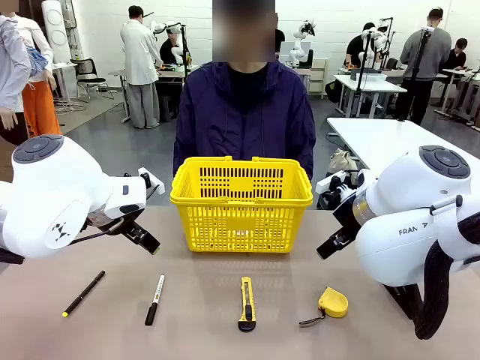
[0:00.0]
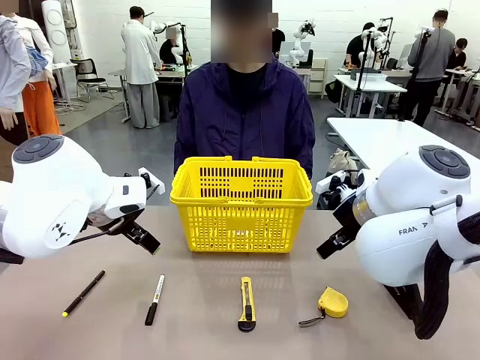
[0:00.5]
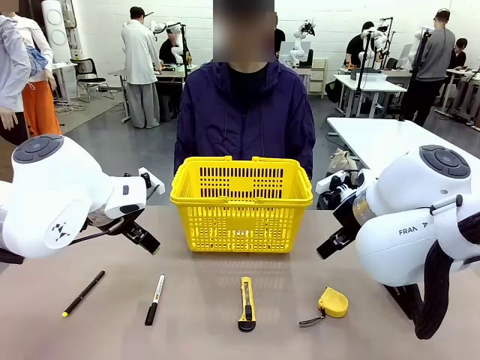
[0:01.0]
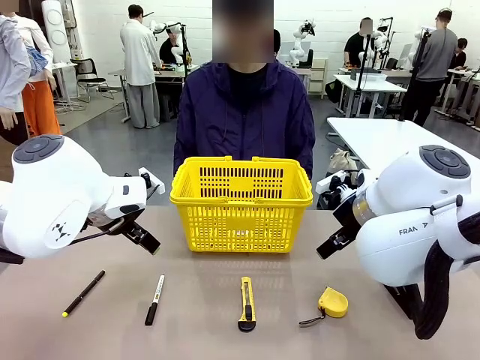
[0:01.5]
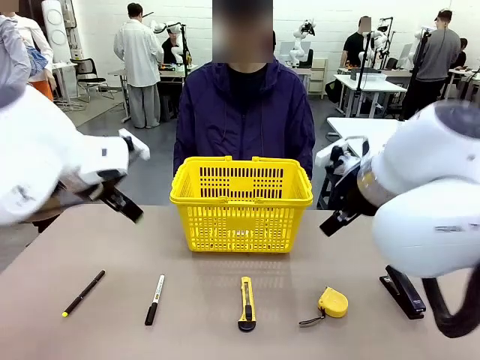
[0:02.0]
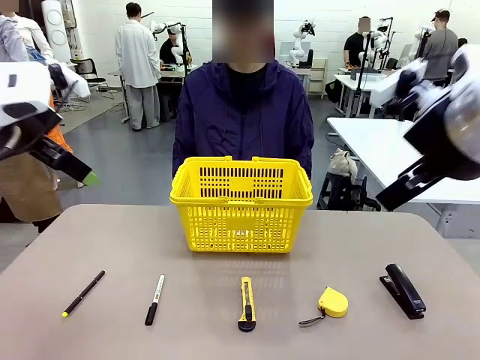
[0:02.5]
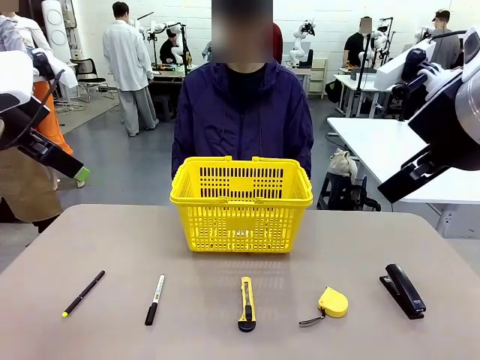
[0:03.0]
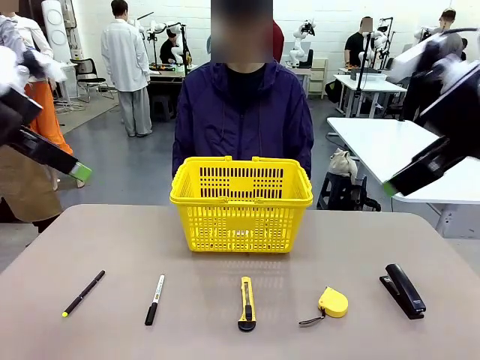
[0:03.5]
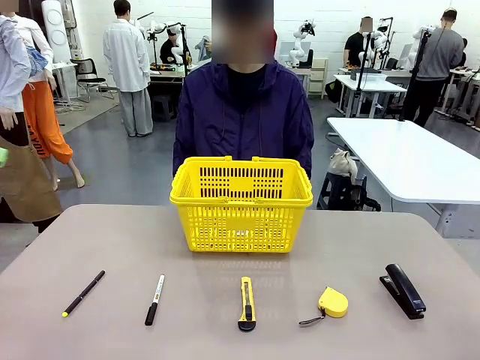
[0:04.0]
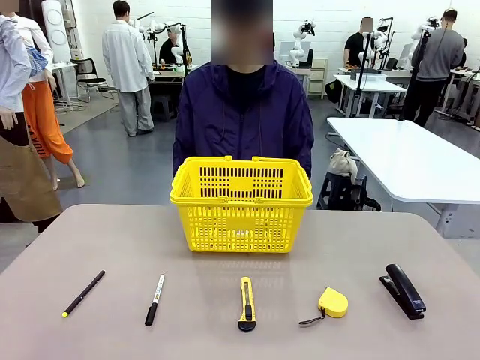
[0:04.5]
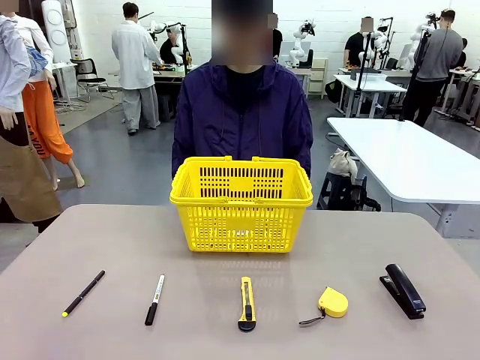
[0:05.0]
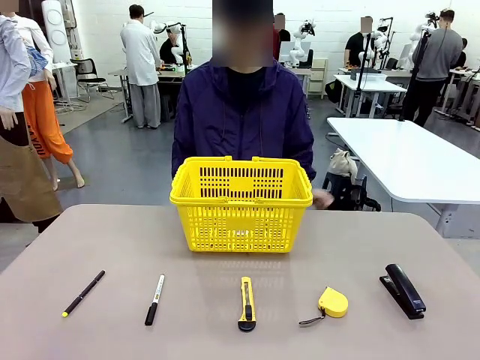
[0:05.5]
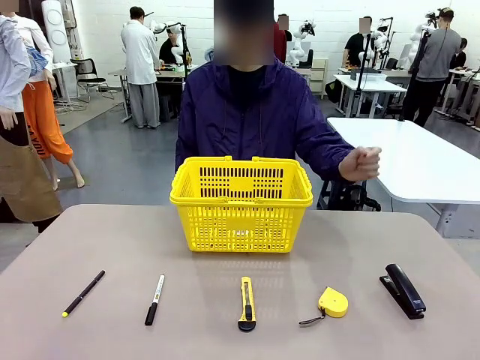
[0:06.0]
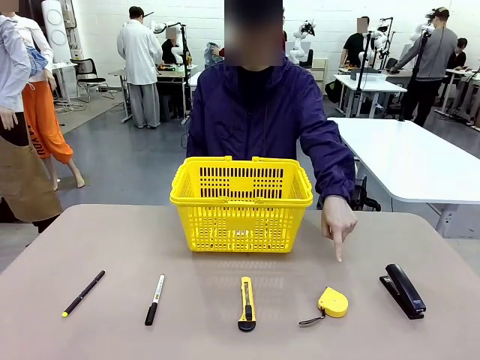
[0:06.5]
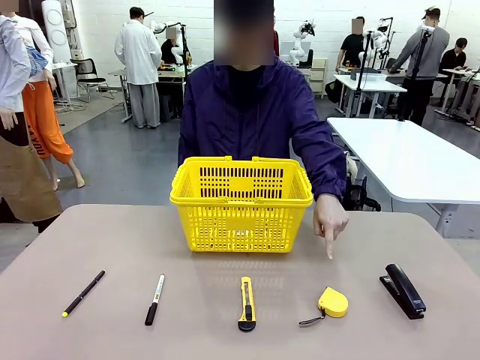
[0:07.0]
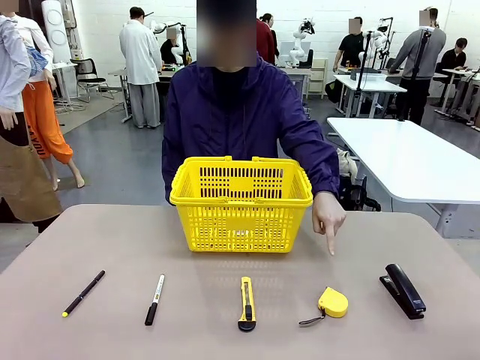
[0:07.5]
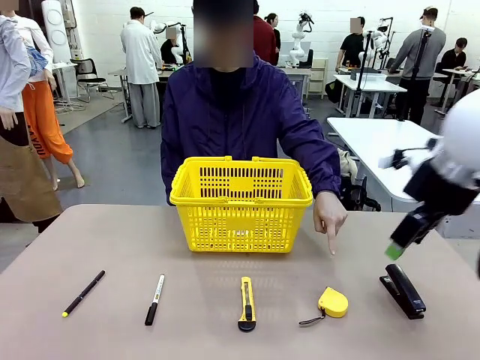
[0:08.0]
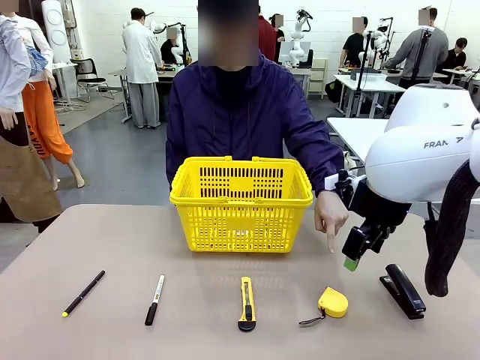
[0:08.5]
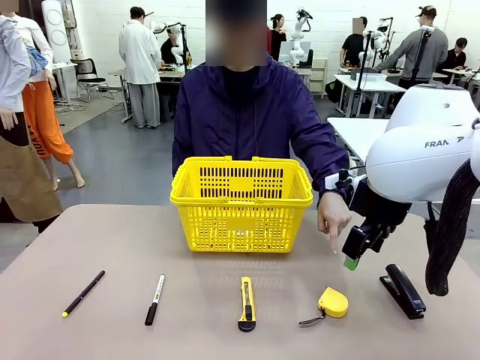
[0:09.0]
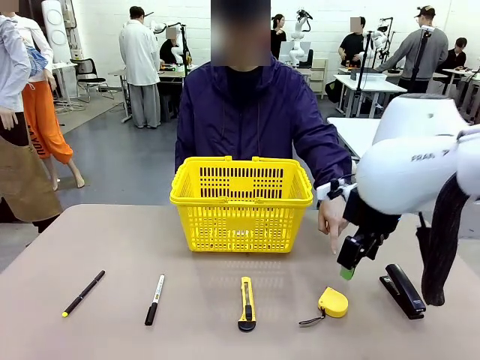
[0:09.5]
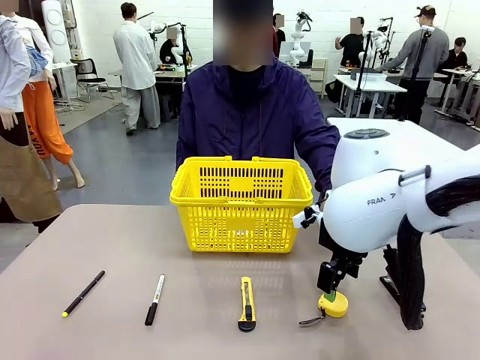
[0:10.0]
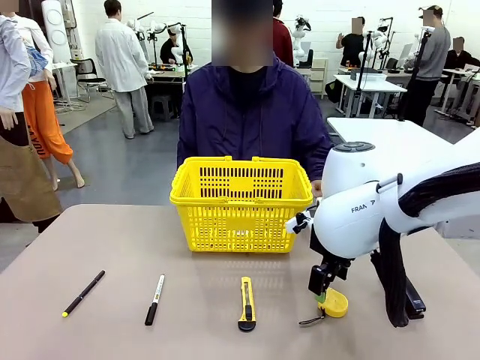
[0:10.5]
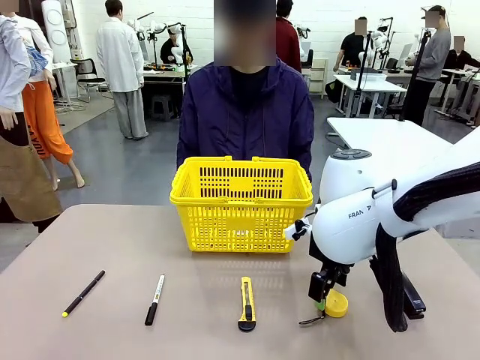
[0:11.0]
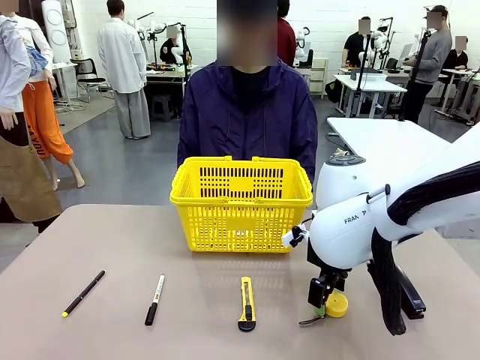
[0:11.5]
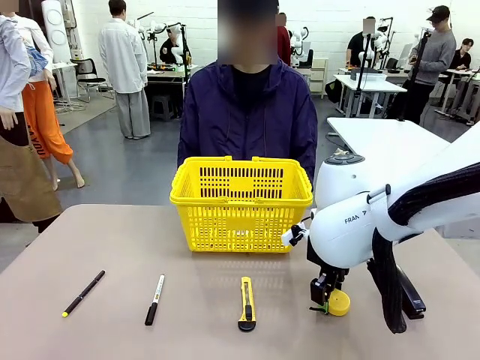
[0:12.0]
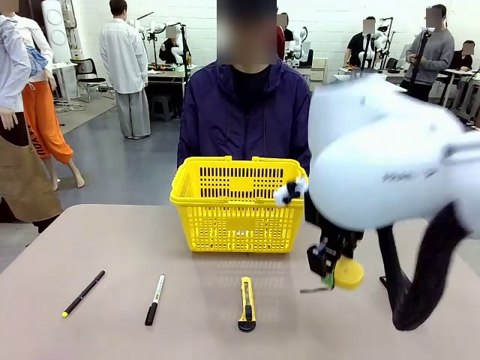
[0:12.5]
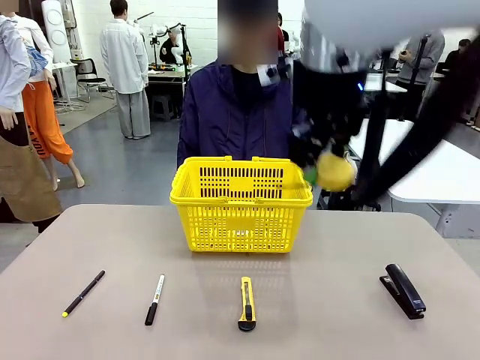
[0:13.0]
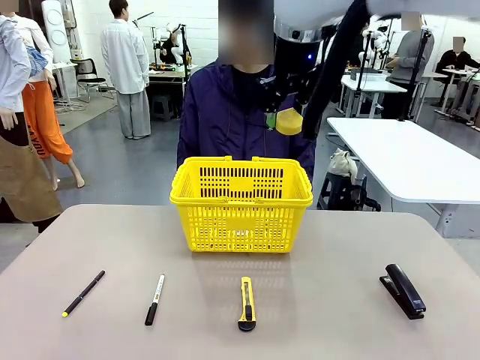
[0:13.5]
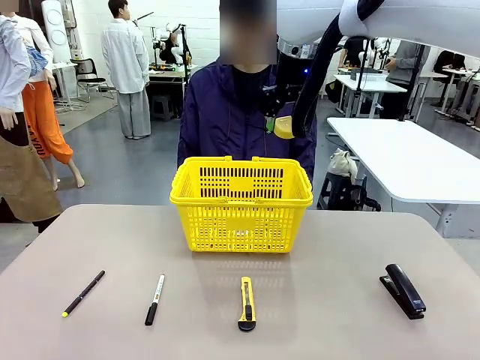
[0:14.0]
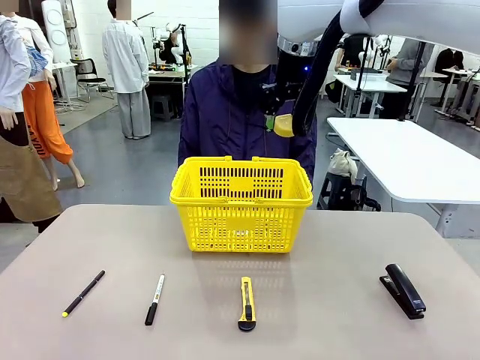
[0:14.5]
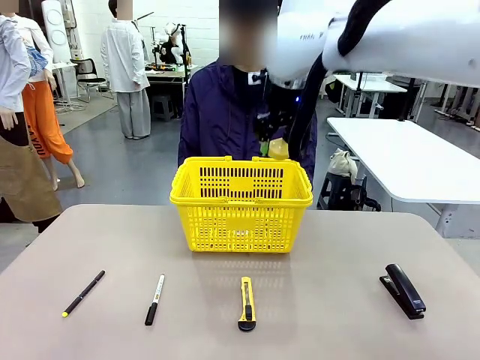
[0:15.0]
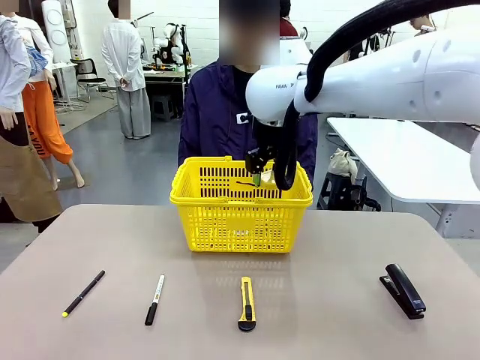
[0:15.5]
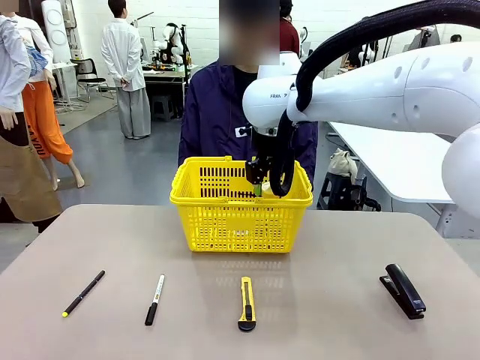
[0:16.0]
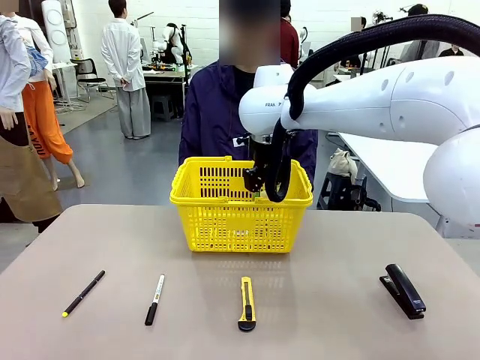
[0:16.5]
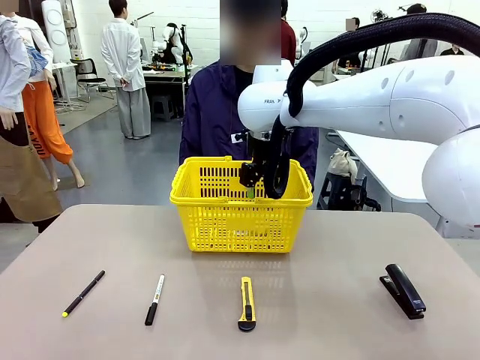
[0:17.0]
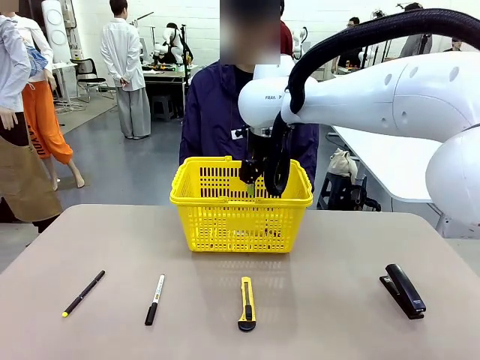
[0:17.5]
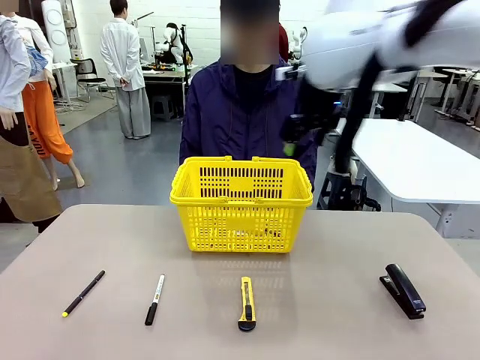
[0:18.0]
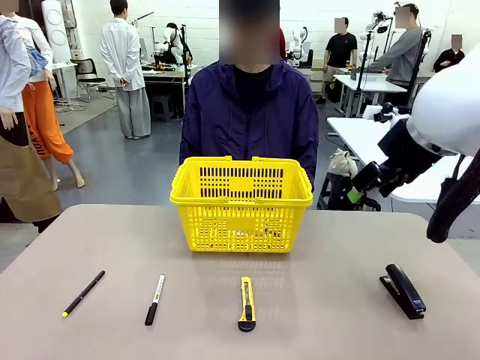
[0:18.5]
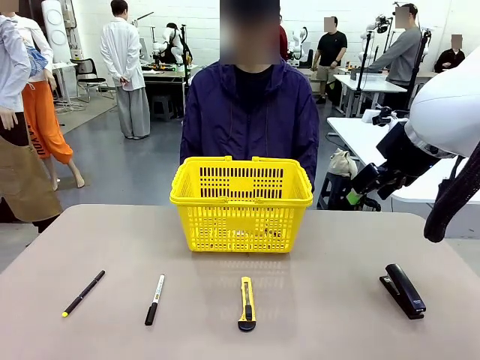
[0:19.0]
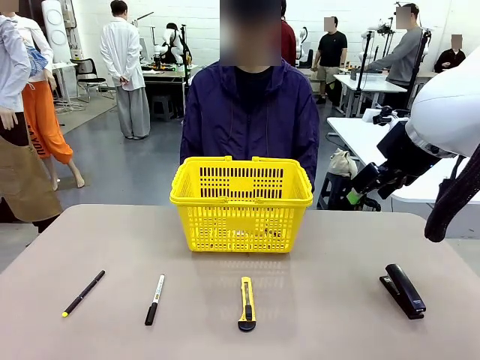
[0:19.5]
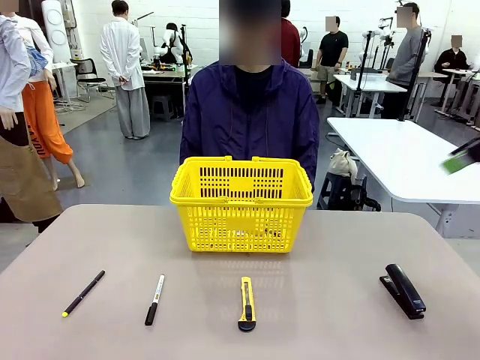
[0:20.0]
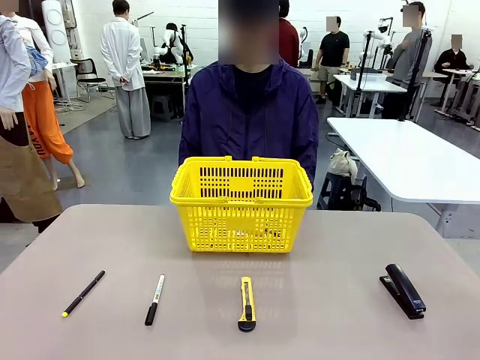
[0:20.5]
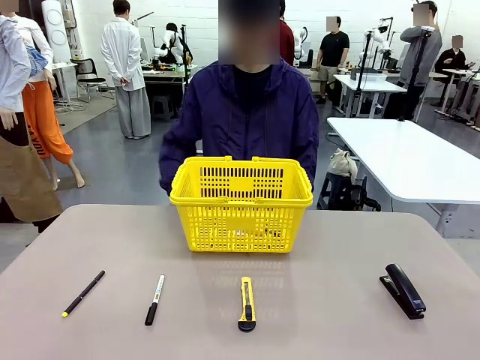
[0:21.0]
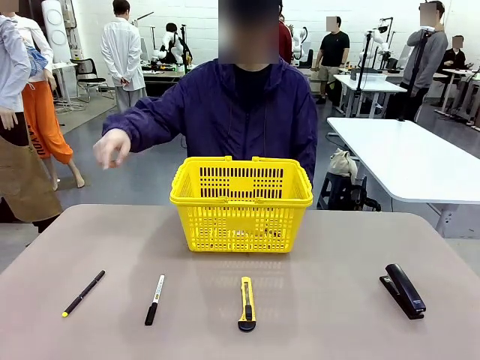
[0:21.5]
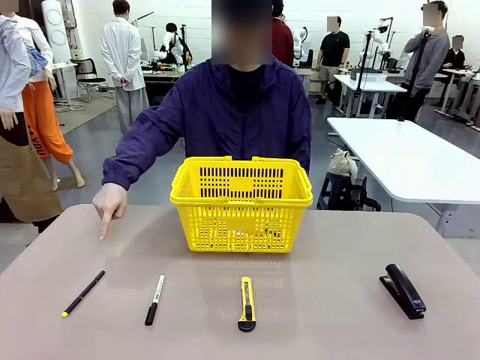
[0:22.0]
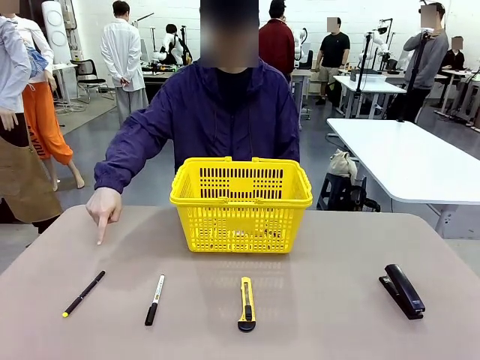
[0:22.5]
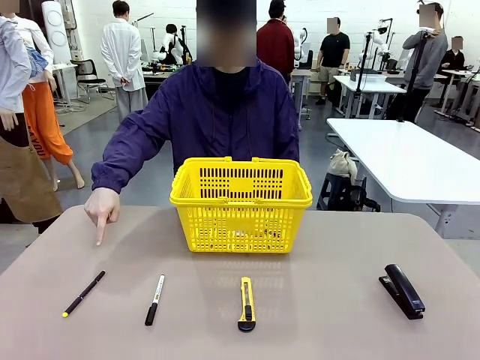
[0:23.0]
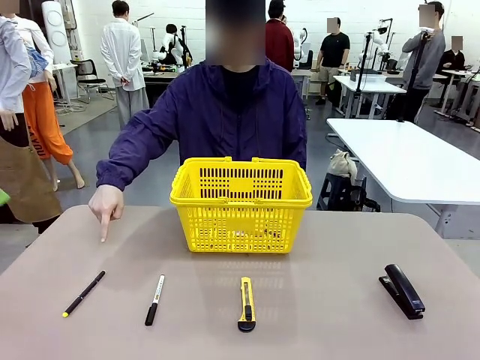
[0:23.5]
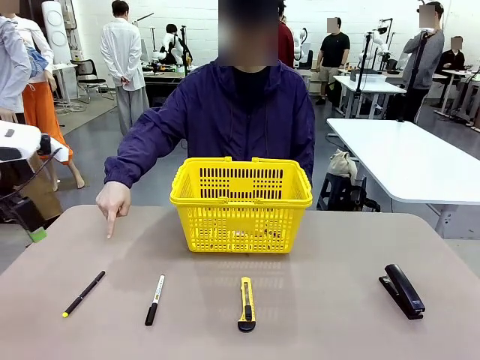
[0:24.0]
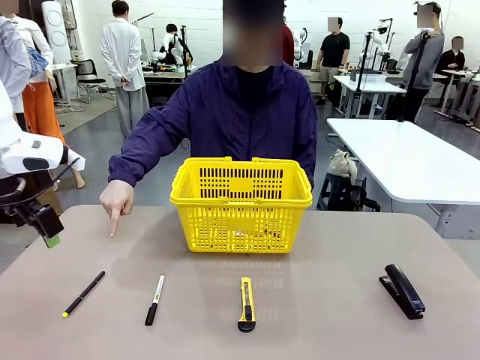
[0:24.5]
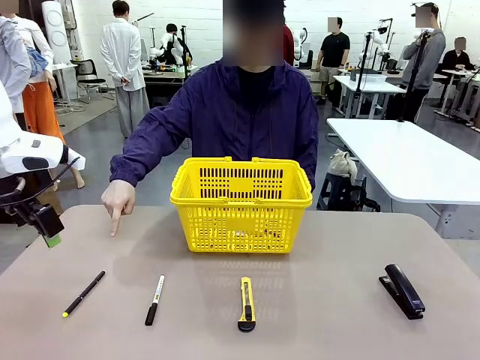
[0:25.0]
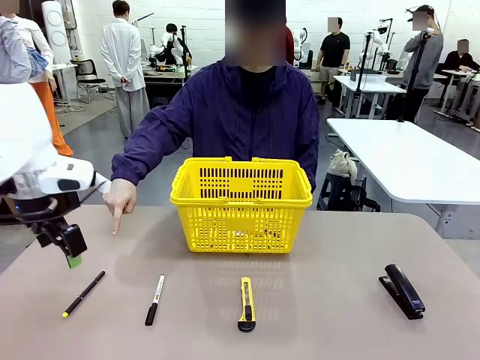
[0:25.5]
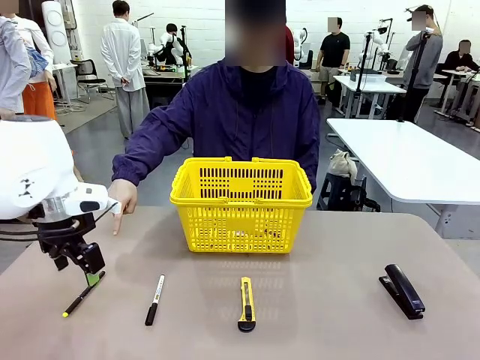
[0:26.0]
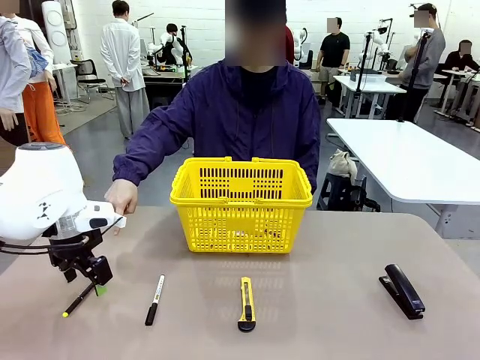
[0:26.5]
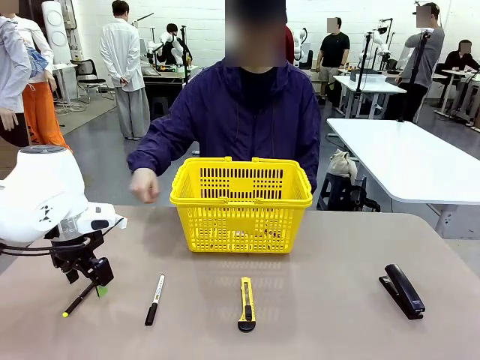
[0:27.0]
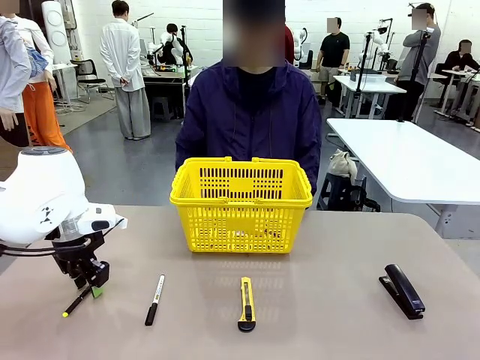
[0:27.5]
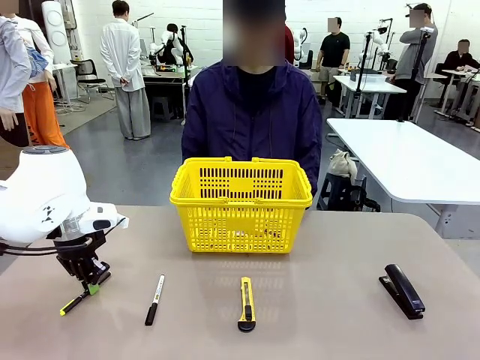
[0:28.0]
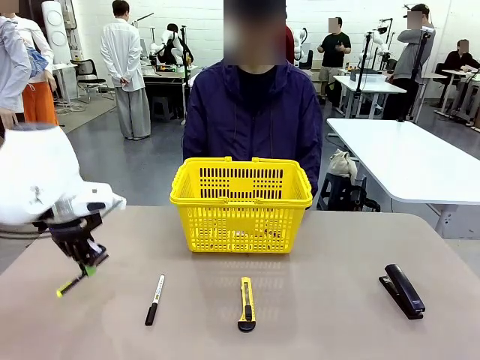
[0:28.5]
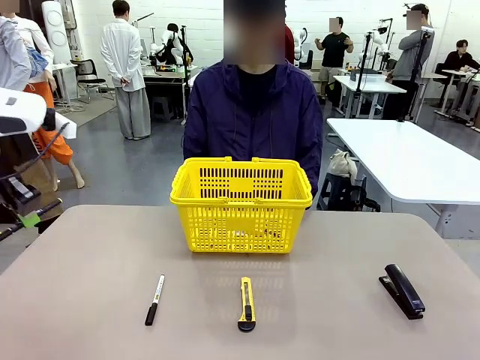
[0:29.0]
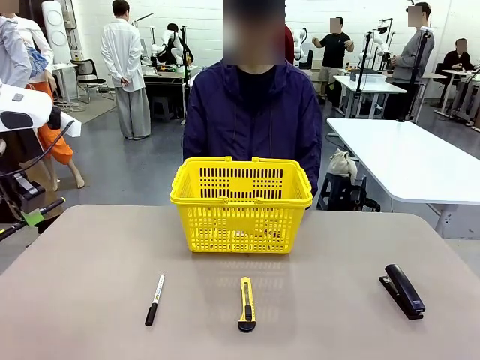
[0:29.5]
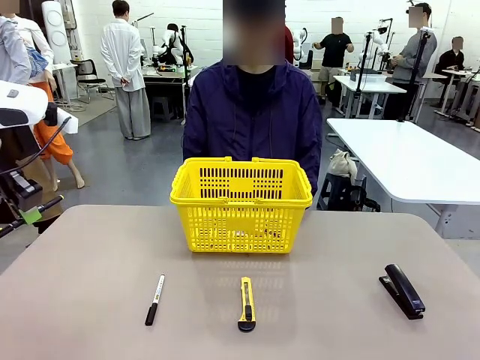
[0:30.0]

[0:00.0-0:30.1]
Task: Place the items the person wants into the basket.
Robot: Pick up the item the person points to and place it in the Market Basket.
